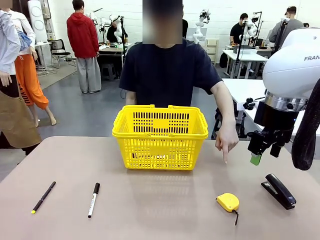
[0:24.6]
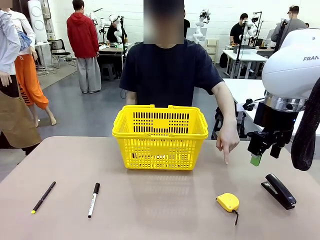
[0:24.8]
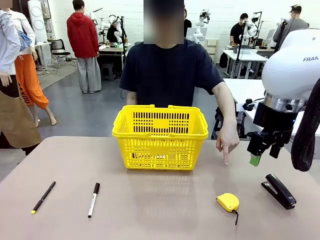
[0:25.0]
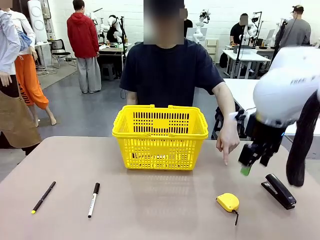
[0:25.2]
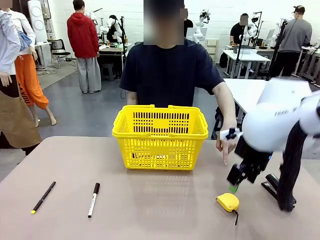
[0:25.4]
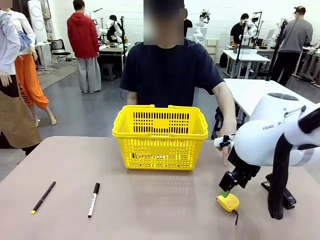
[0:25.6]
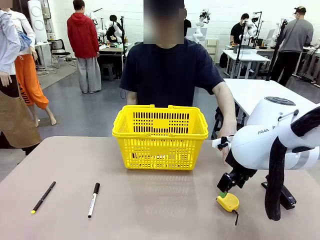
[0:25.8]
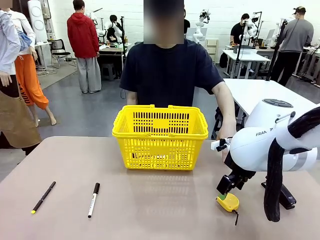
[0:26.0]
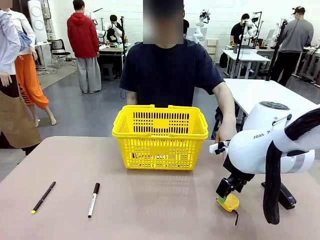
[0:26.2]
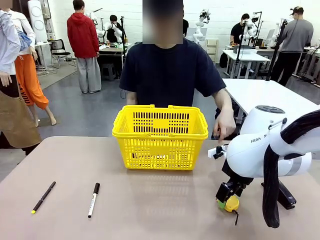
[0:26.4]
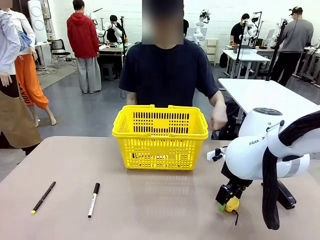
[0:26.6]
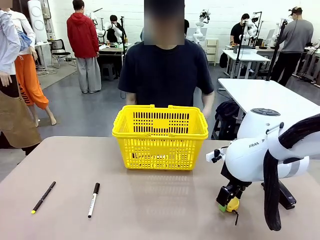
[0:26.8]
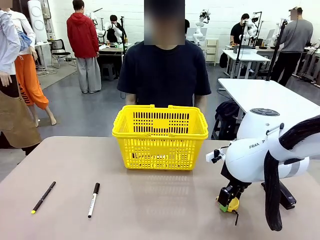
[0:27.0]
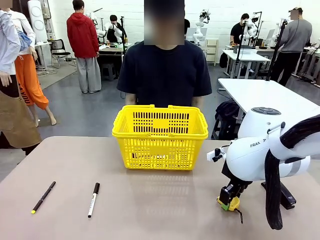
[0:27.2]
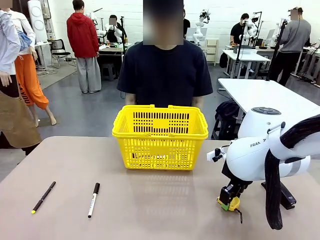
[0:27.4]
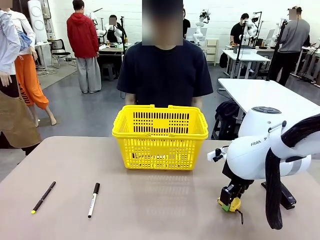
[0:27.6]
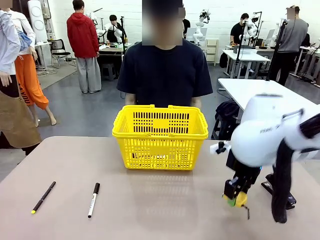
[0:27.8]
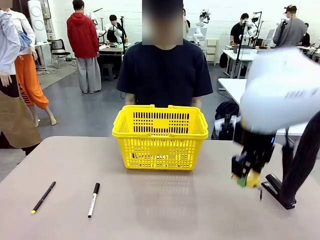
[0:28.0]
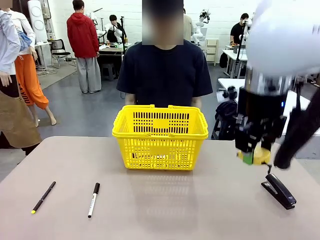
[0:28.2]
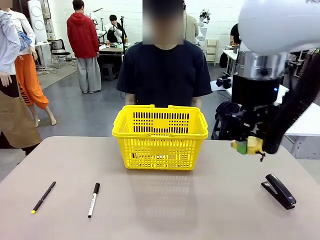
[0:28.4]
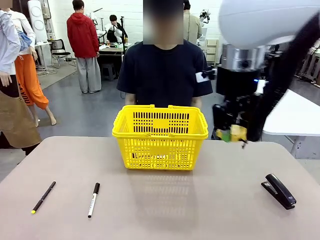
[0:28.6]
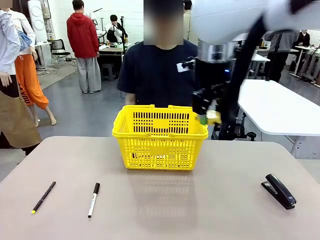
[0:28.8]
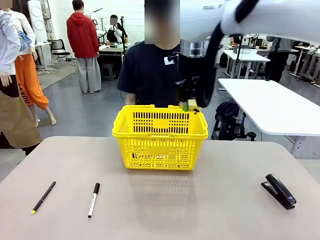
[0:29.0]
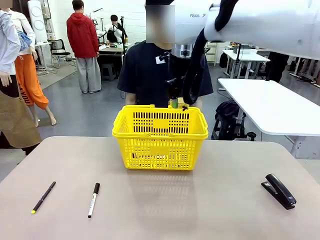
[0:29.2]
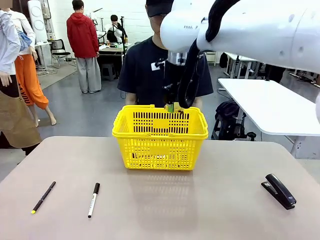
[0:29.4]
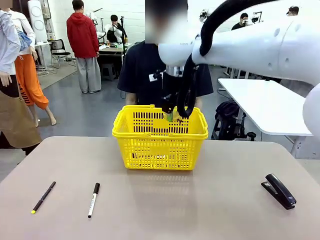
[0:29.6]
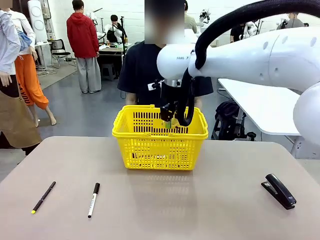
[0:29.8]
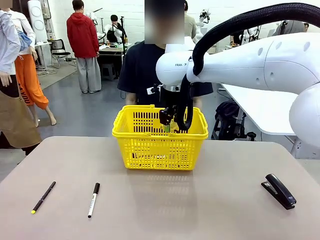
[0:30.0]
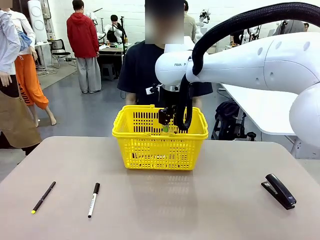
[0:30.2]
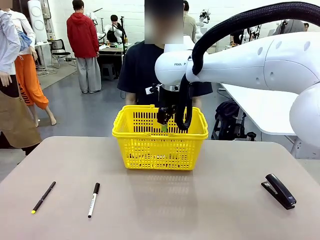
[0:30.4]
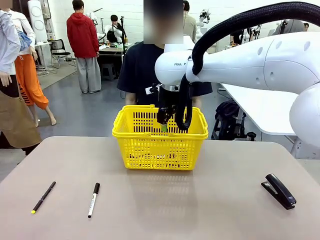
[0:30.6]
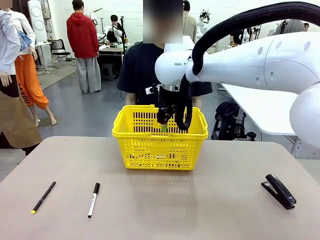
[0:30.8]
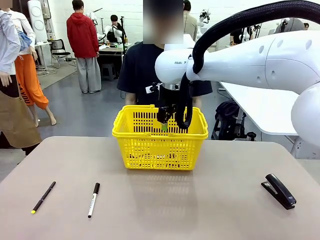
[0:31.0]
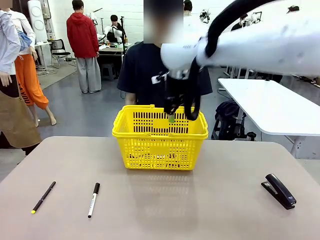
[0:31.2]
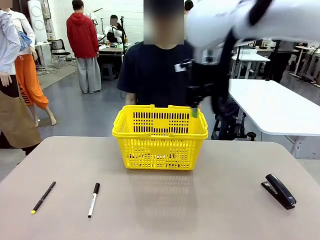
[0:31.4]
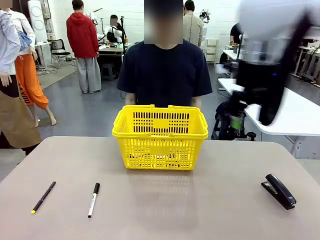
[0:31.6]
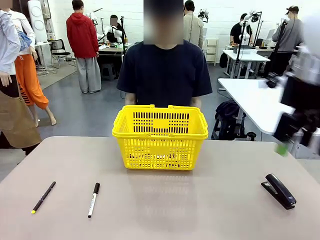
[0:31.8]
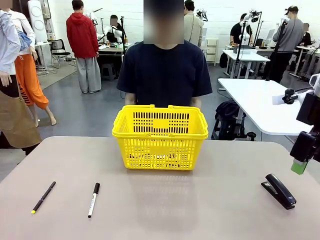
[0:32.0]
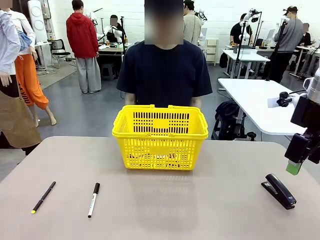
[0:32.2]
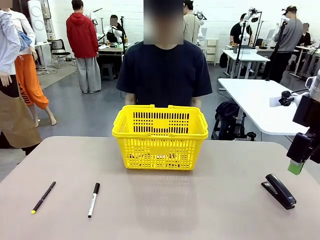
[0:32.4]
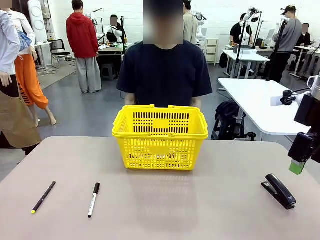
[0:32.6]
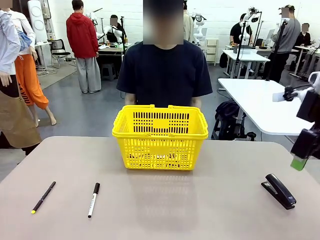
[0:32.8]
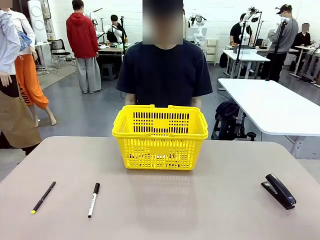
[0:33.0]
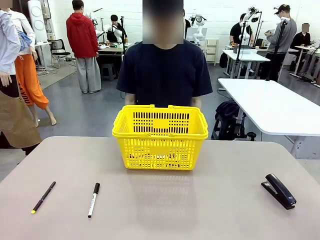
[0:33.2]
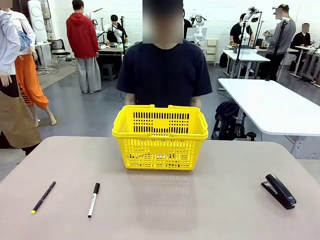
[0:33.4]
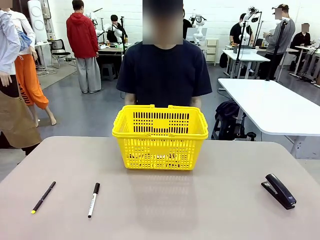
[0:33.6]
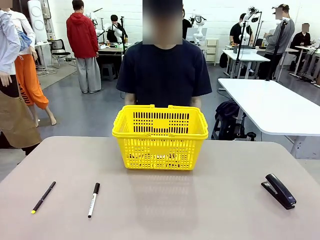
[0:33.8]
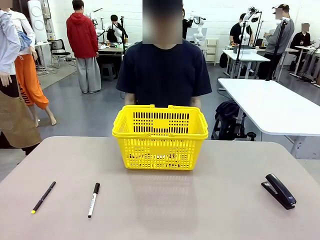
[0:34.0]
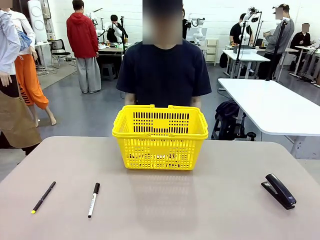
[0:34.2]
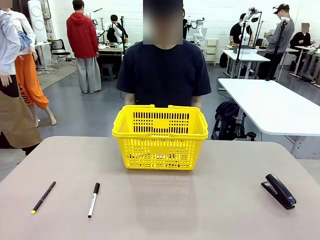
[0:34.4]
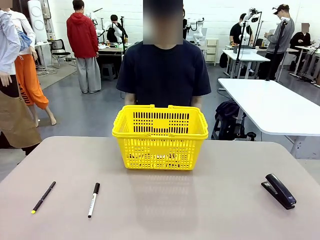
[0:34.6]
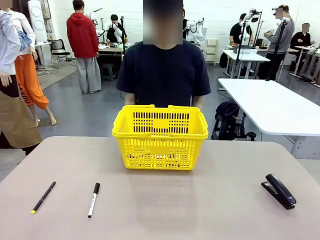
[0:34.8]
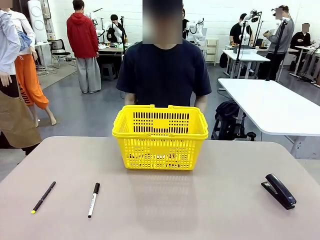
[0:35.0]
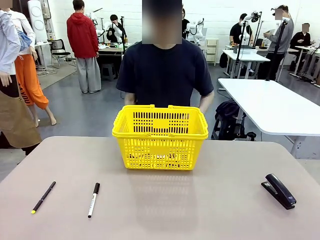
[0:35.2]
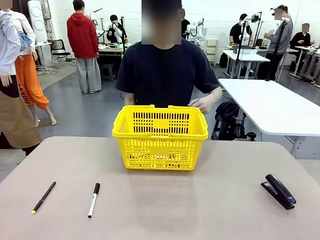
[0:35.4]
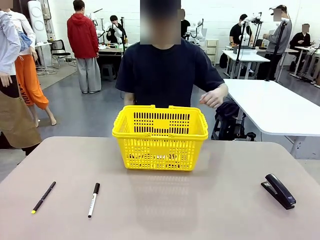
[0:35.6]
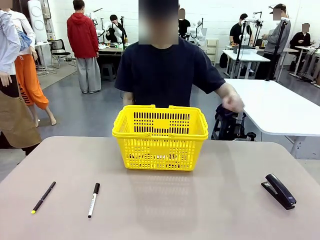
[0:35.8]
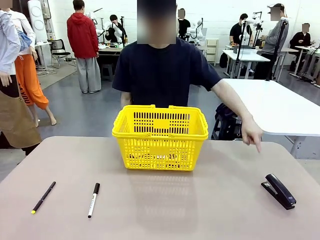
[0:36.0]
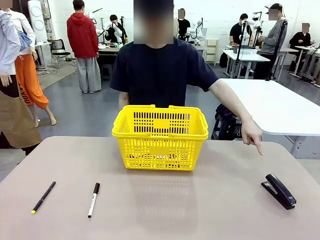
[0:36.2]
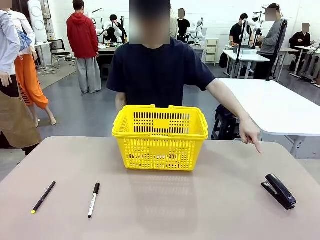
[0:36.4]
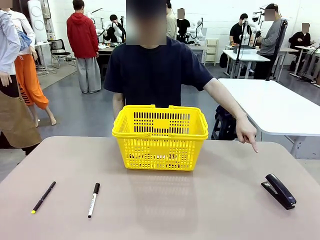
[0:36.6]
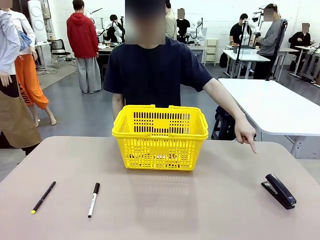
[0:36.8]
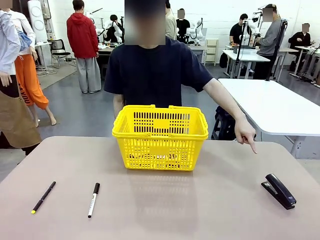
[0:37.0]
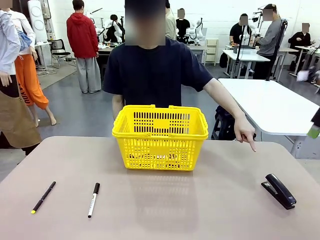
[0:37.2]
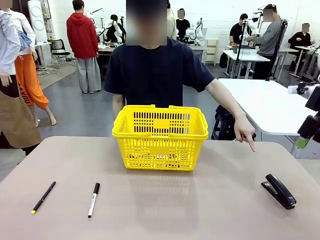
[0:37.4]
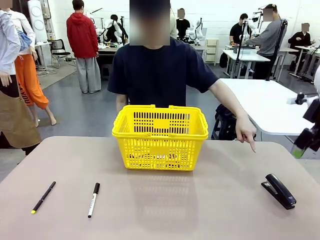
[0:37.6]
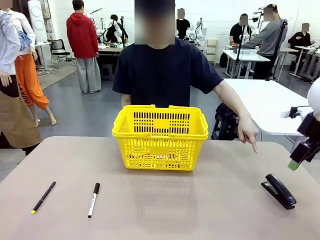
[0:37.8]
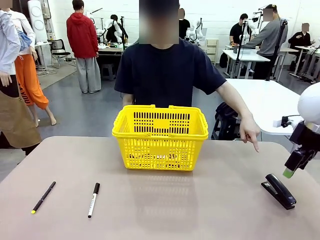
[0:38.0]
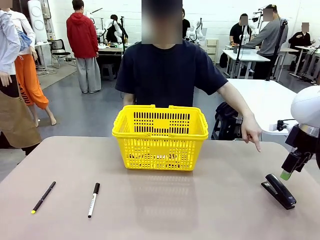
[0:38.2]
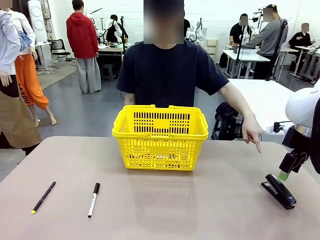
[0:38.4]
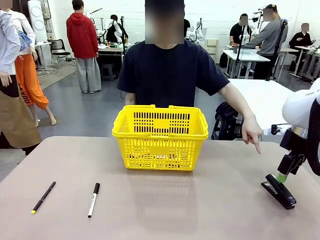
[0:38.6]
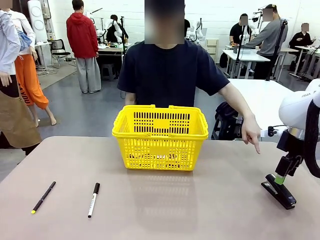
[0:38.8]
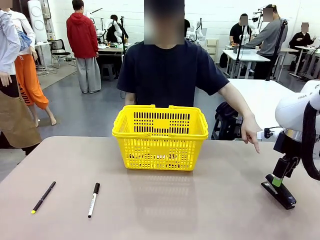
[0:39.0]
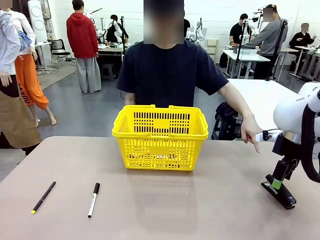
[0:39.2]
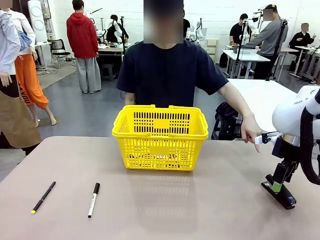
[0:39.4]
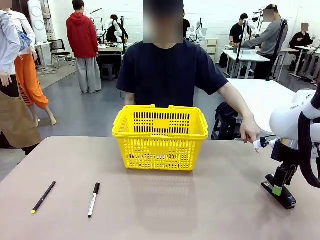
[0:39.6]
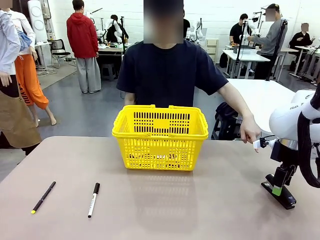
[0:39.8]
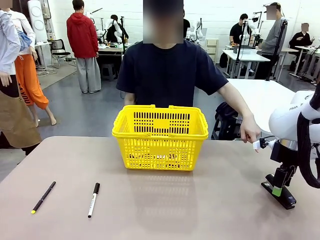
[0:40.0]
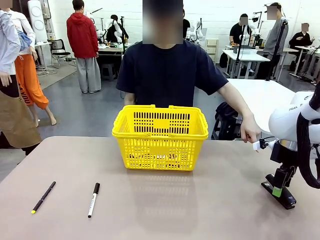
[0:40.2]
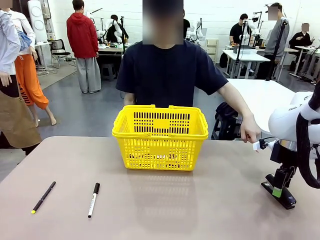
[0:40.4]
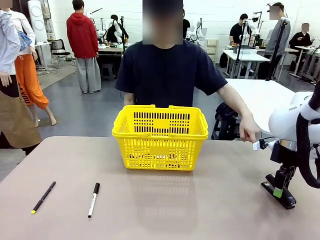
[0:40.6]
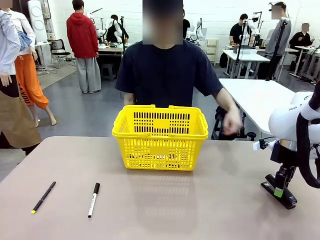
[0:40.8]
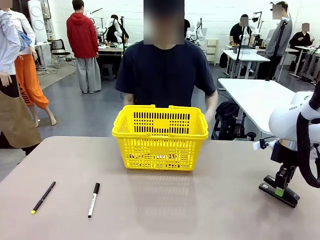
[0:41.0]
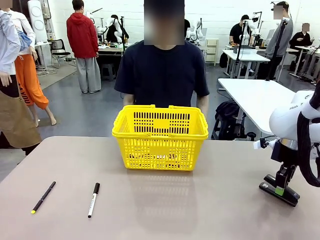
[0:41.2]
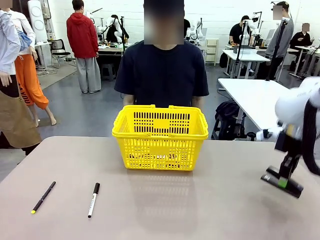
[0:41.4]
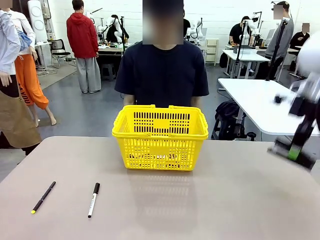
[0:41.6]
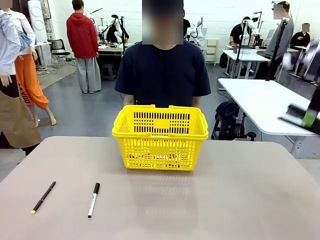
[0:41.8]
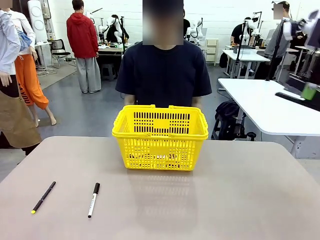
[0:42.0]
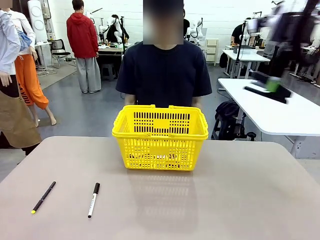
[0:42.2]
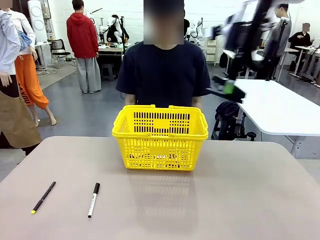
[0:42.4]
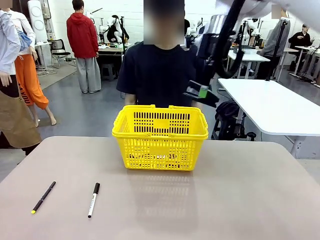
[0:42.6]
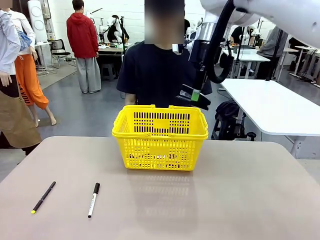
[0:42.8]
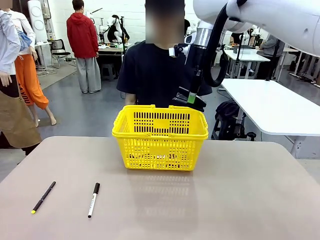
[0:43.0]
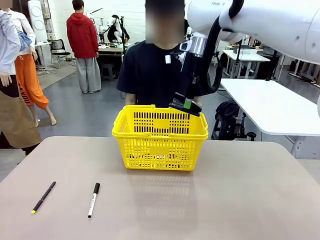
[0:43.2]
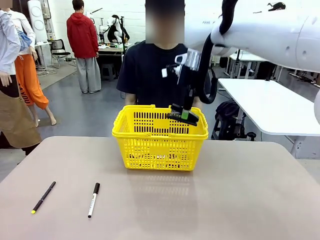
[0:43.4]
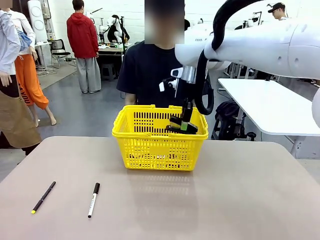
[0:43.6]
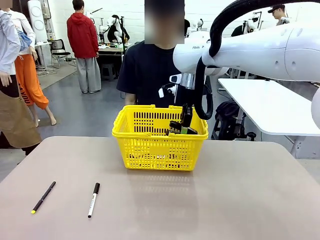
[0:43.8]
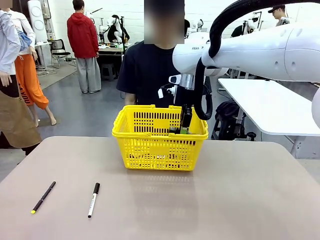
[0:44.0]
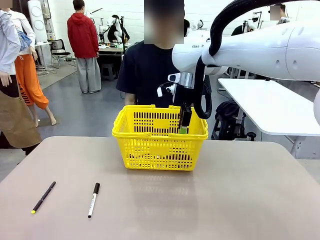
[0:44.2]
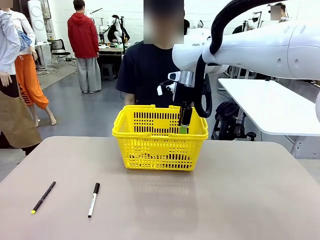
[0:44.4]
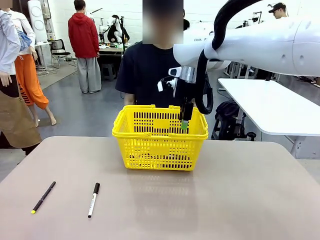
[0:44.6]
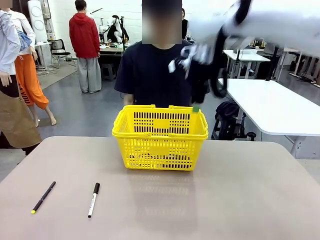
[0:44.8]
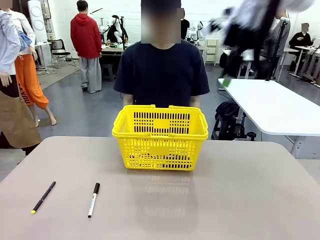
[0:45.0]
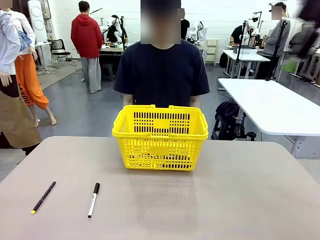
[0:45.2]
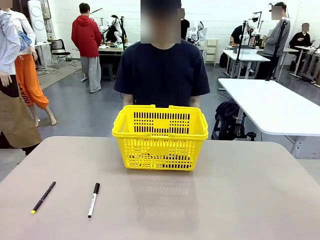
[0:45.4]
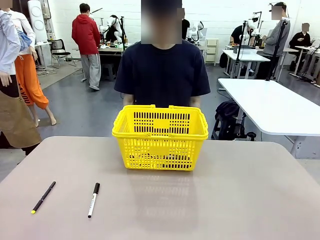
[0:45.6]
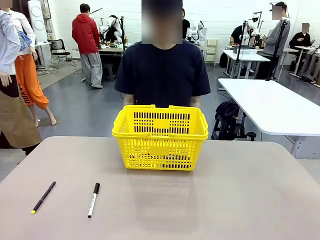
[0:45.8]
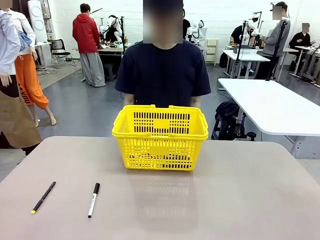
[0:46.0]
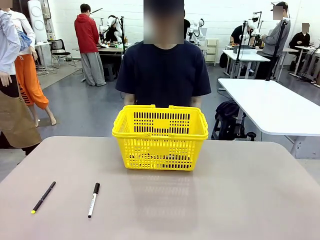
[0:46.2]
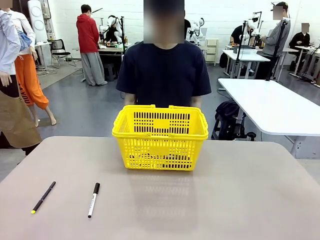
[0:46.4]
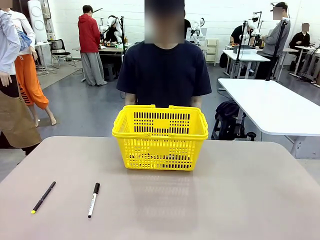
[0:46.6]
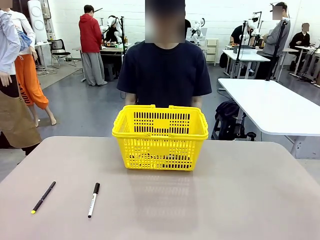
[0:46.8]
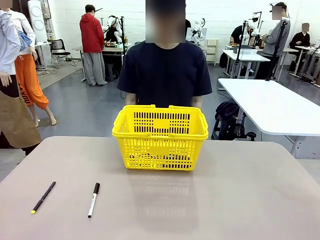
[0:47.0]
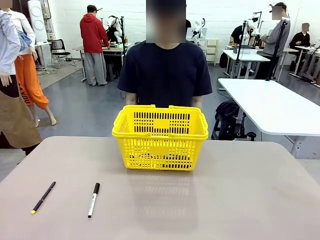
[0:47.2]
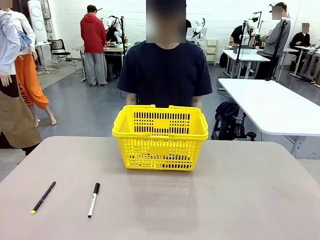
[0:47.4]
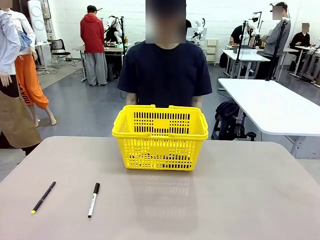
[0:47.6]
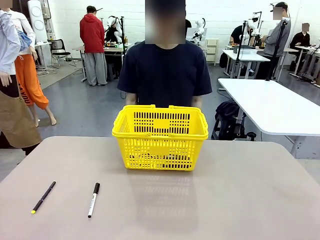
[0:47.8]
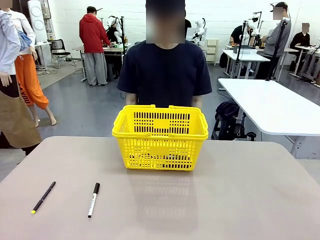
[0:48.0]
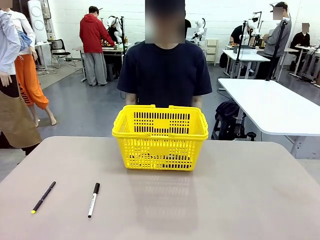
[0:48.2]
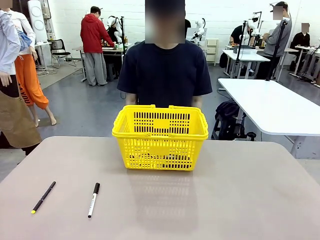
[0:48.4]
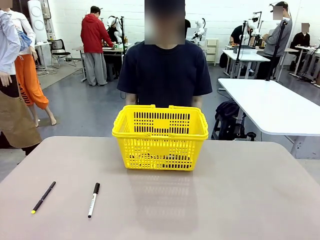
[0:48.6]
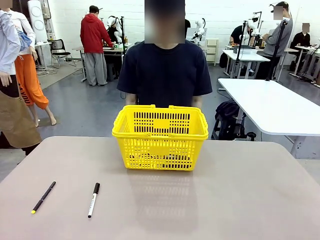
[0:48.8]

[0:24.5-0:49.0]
Task: Place the items the person wants into the basket.
Robot: Pick up the item the person points to and place it in the Market Basket.
